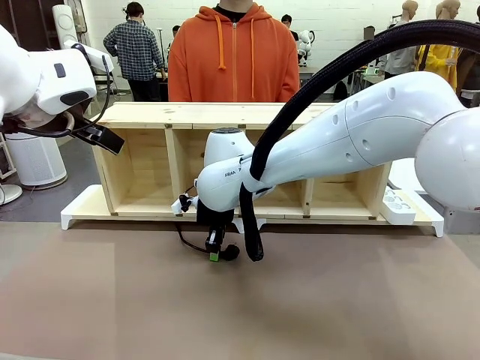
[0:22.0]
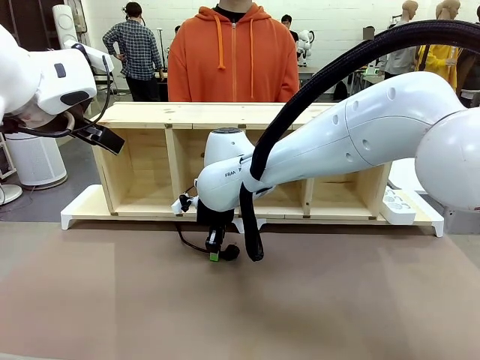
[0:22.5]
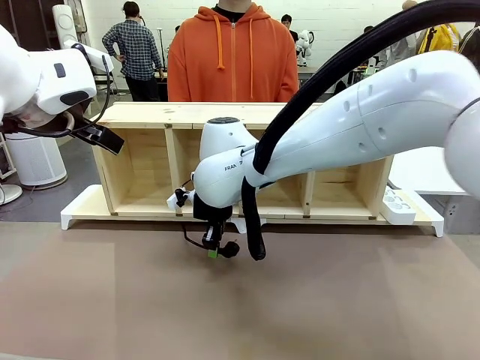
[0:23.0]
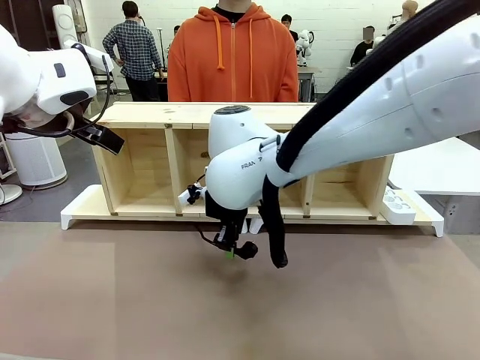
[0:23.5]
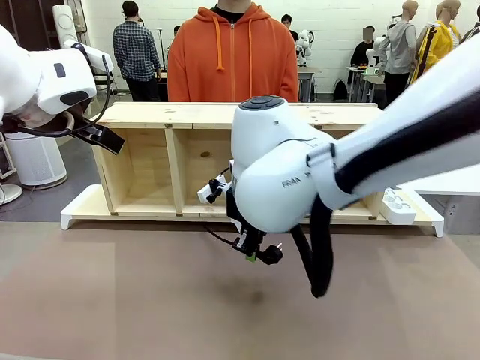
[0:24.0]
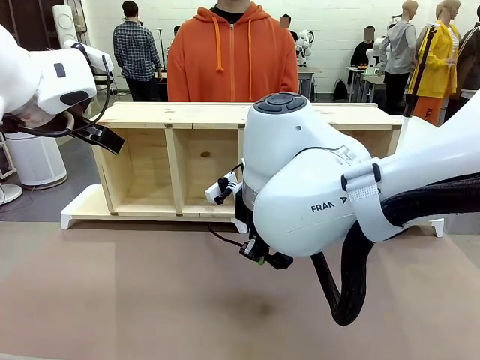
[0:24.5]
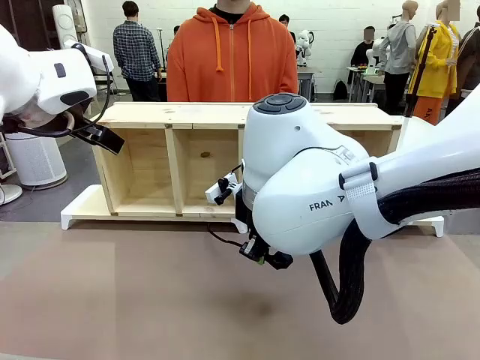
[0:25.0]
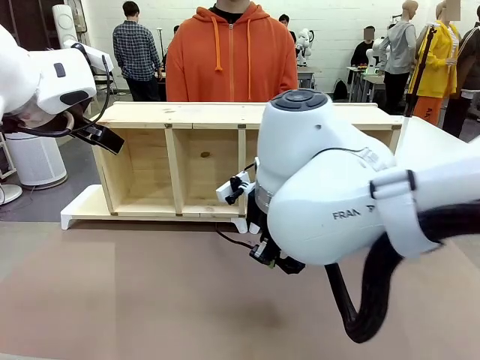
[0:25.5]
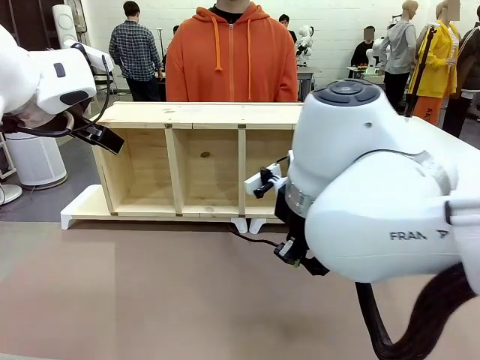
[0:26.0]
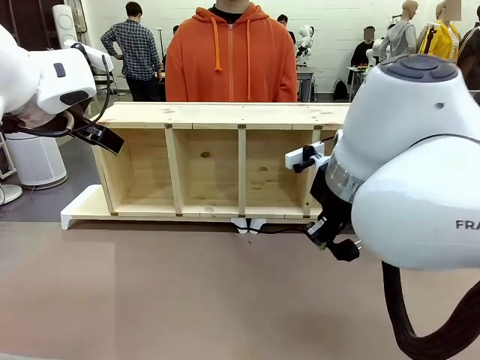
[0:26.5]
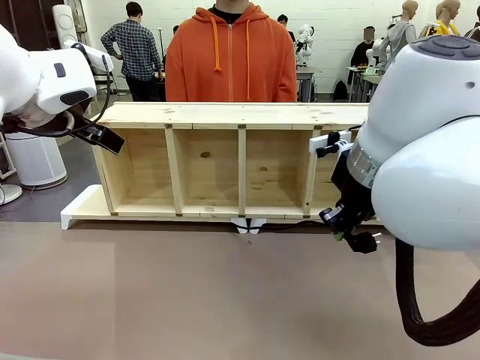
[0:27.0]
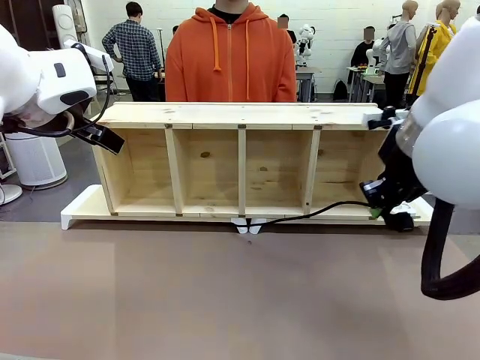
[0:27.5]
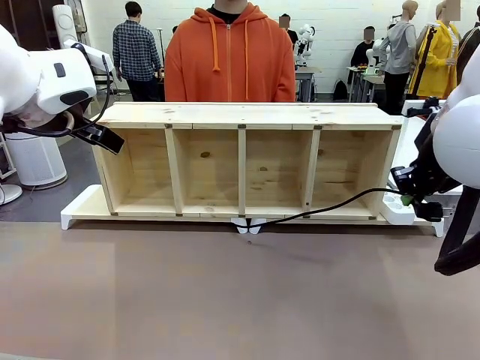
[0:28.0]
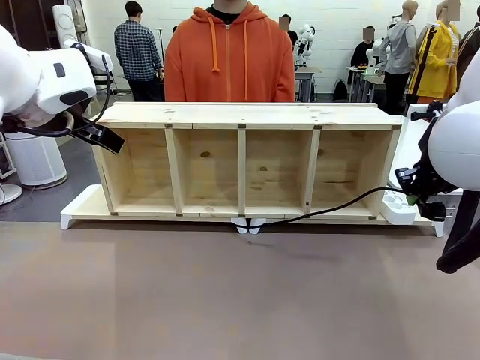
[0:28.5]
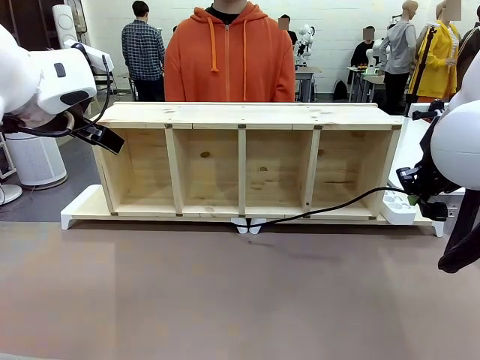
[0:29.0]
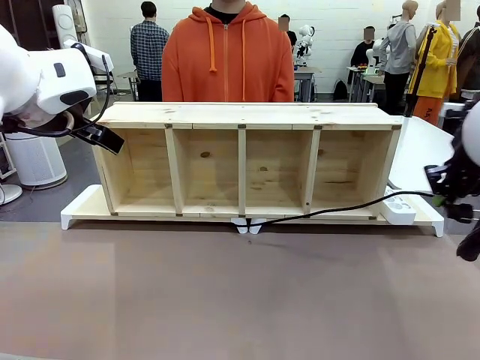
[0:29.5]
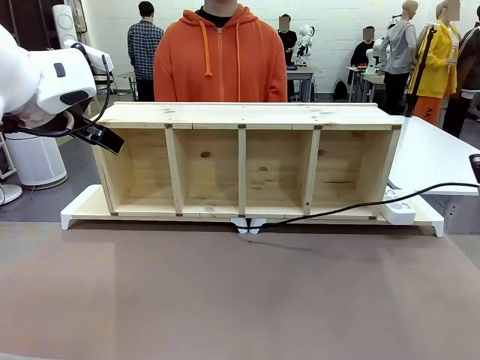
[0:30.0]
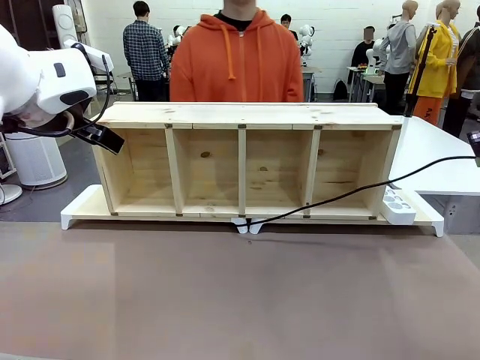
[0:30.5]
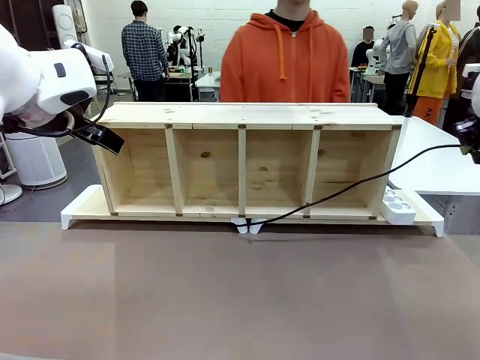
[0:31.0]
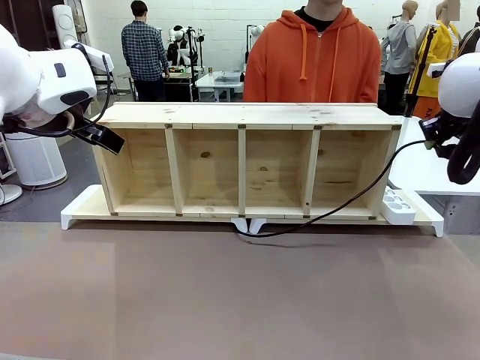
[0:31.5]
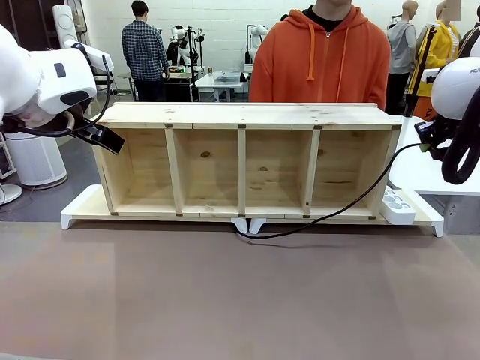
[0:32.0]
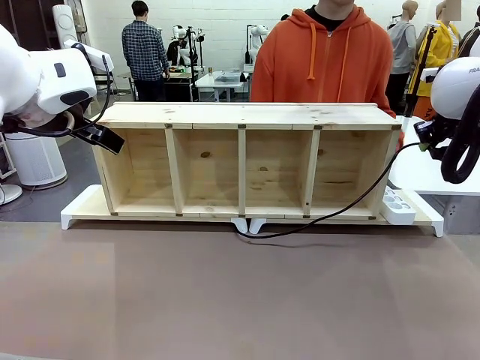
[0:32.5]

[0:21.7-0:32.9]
Task: Perform cable management.
Robot: Pull the grasped Power Cable to the location of the Power Strip.

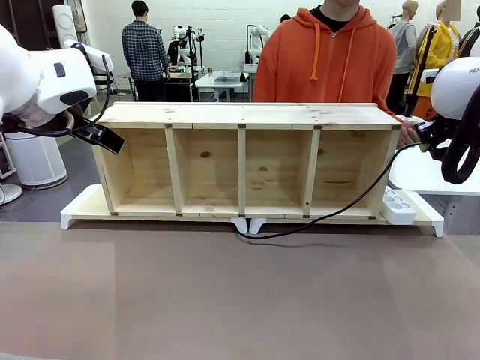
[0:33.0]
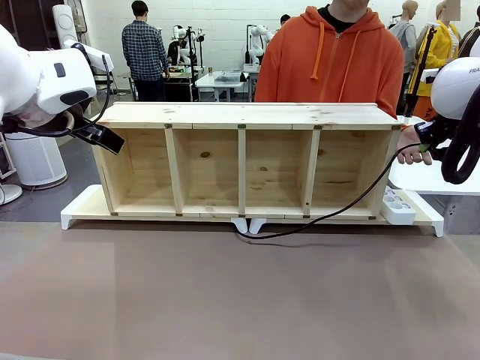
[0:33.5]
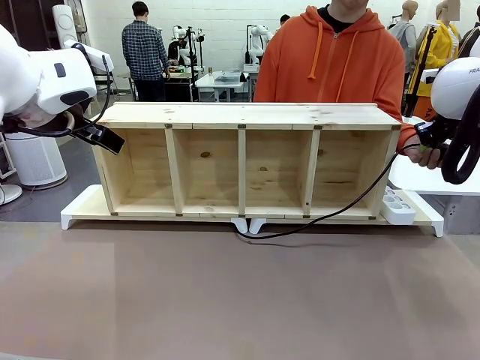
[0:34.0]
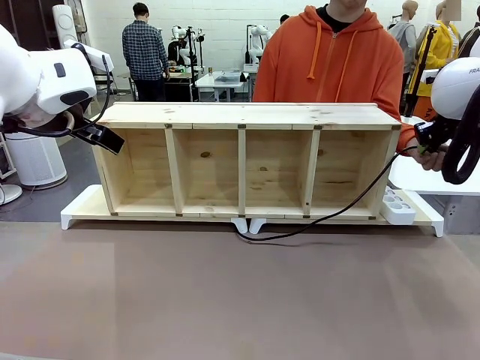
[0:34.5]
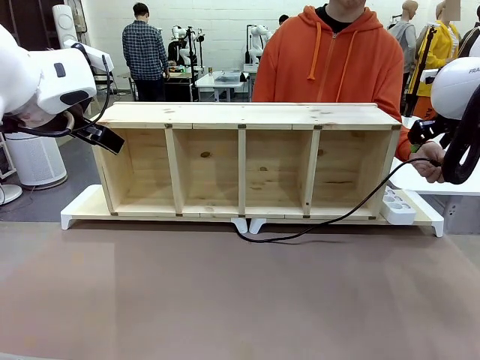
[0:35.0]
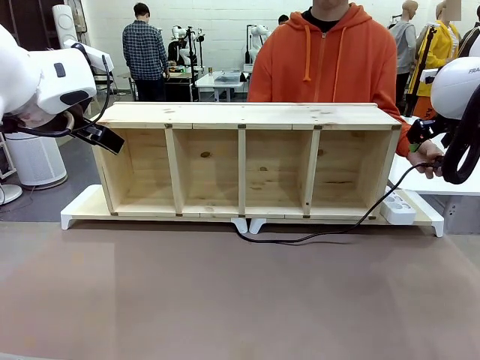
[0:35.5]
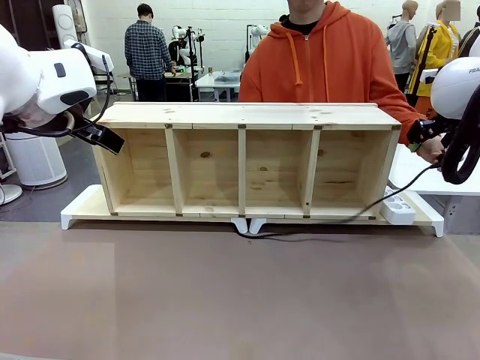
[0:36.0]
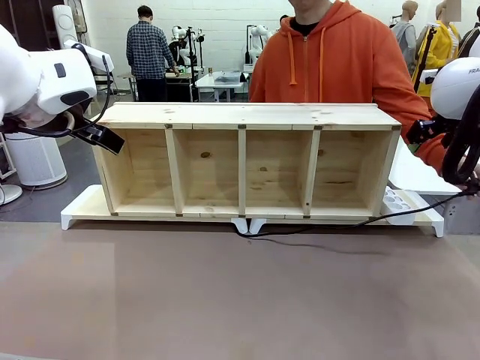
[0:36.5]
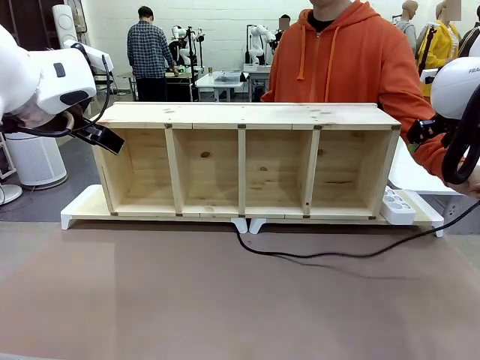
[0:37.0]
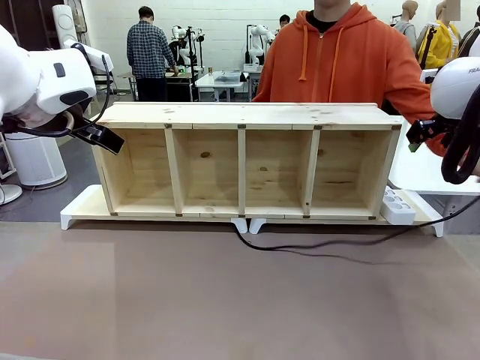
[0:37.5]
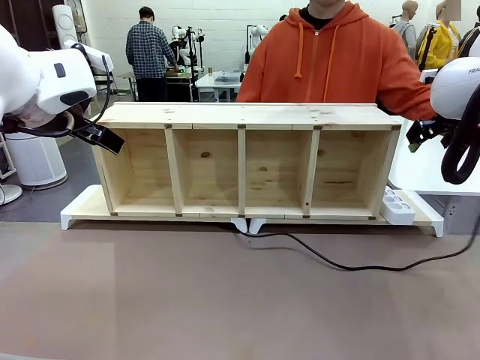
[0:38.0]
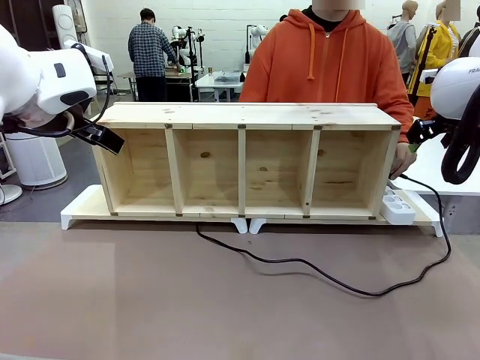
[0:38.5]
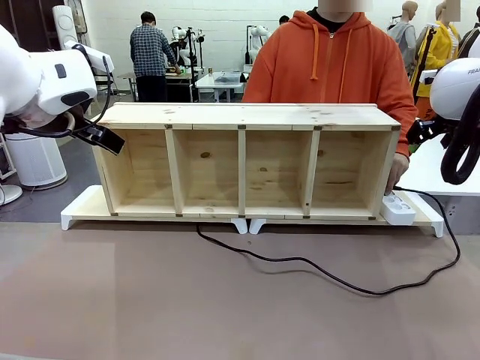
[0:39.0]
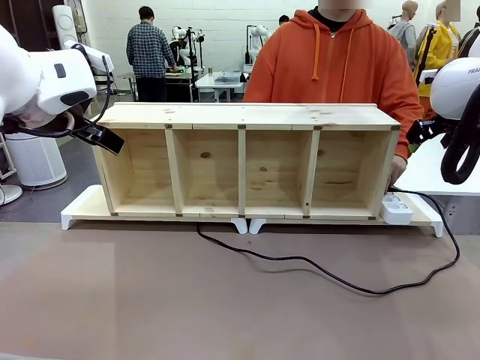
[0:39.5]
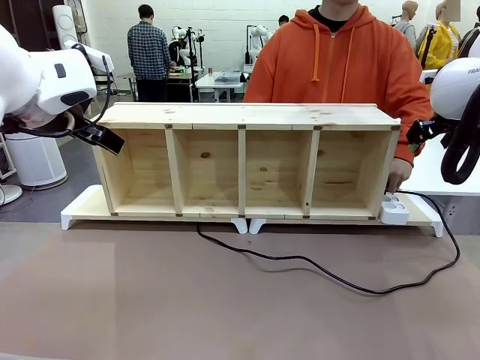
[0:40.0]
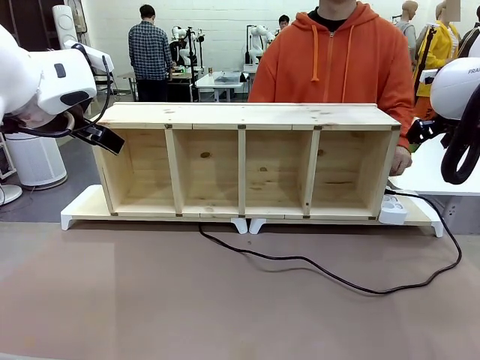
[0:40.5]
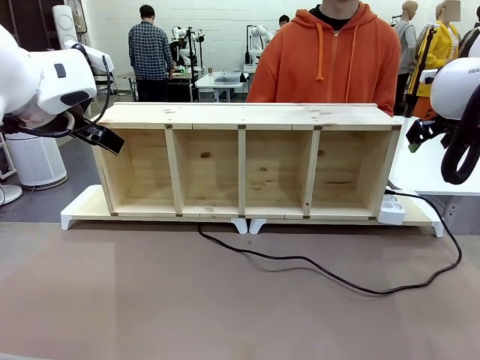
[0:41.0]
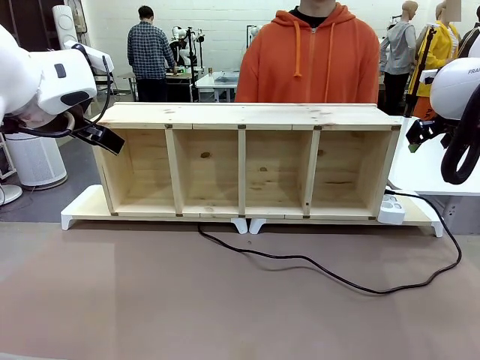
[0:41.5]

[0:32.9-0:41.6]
Robot: Release the Power Cable when the human grasps it.
Person: Plug the Power Cable into the Power Strip.
